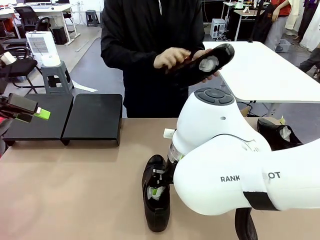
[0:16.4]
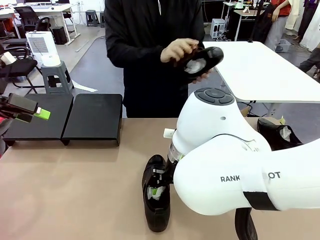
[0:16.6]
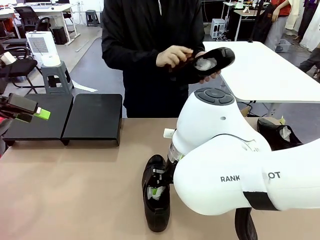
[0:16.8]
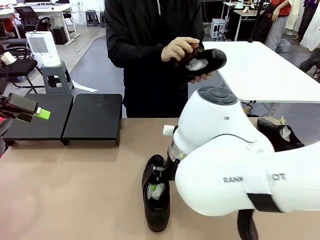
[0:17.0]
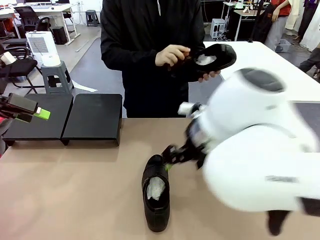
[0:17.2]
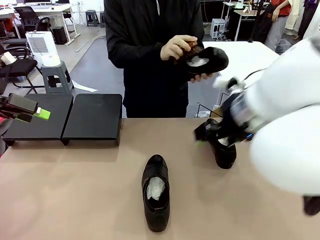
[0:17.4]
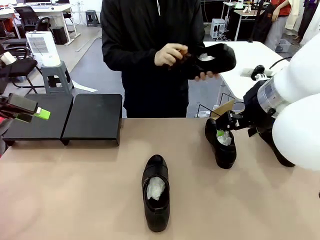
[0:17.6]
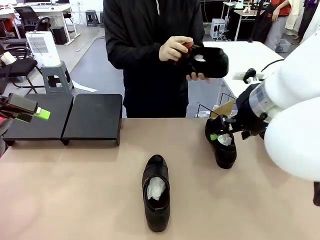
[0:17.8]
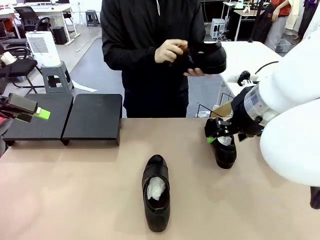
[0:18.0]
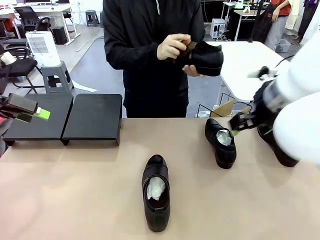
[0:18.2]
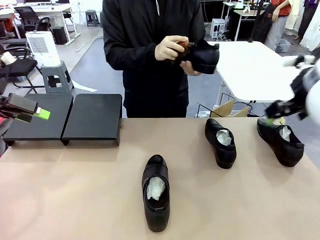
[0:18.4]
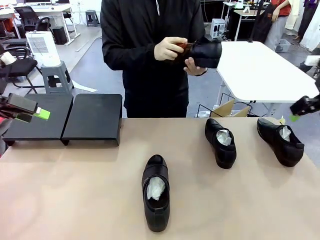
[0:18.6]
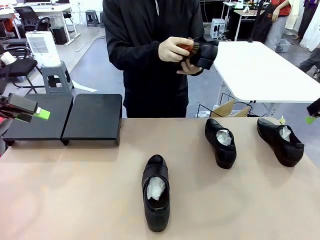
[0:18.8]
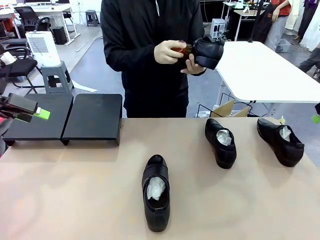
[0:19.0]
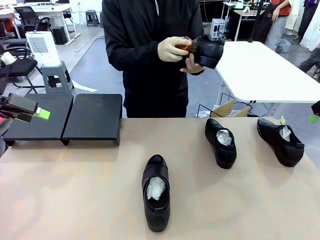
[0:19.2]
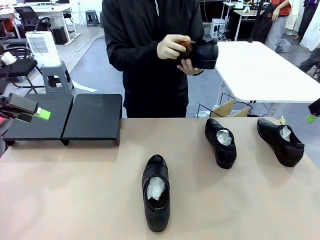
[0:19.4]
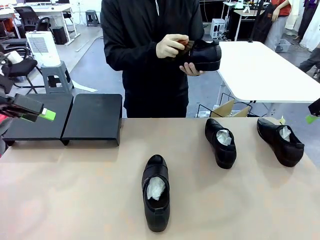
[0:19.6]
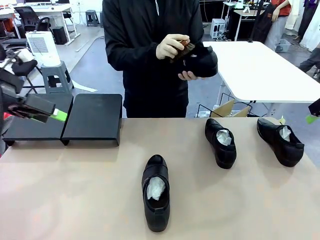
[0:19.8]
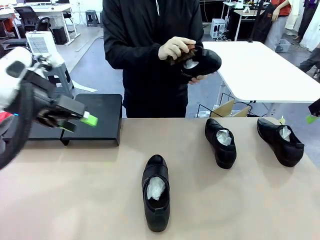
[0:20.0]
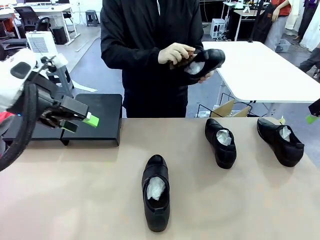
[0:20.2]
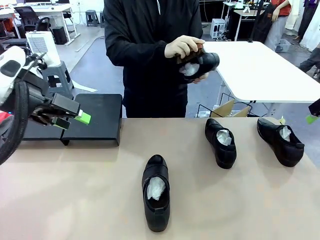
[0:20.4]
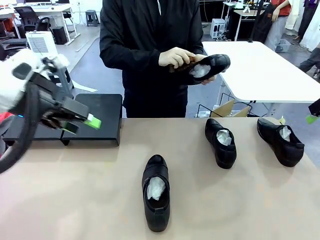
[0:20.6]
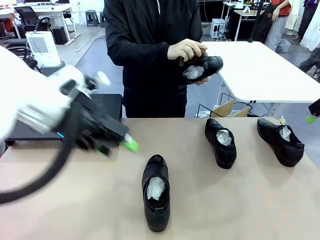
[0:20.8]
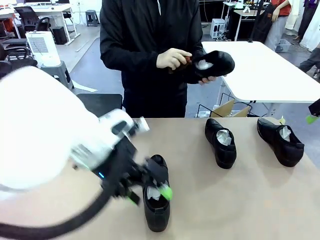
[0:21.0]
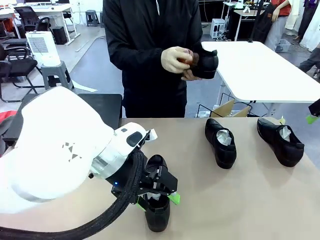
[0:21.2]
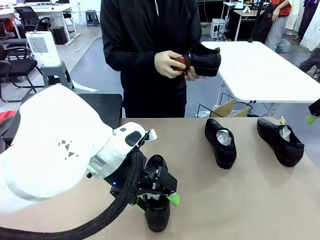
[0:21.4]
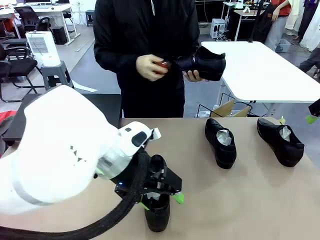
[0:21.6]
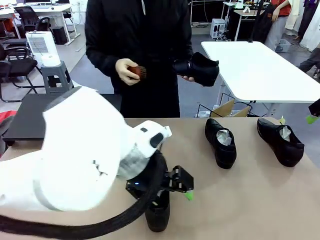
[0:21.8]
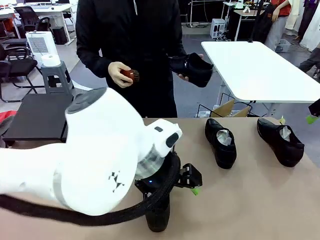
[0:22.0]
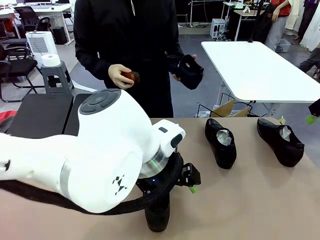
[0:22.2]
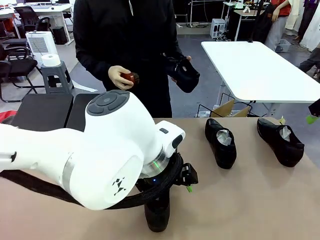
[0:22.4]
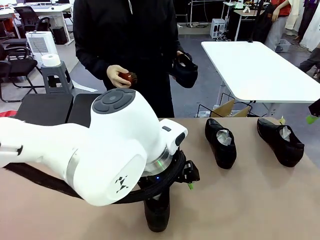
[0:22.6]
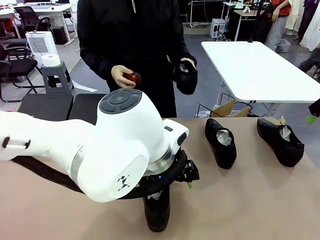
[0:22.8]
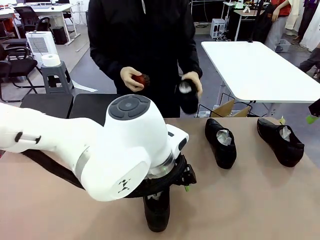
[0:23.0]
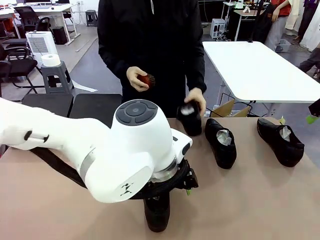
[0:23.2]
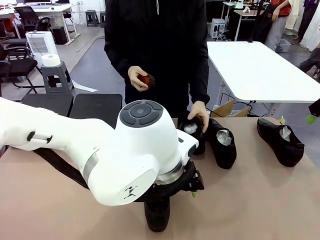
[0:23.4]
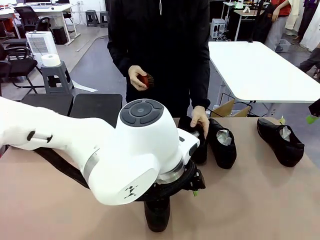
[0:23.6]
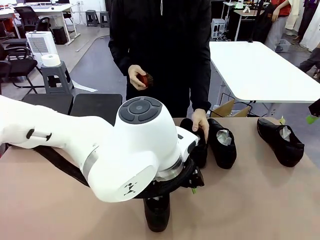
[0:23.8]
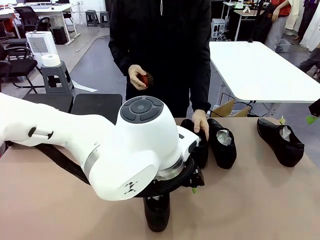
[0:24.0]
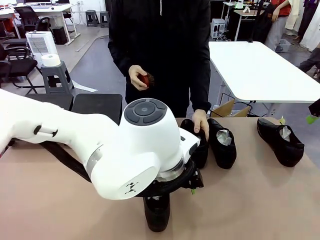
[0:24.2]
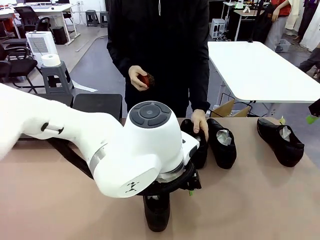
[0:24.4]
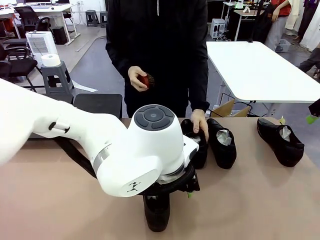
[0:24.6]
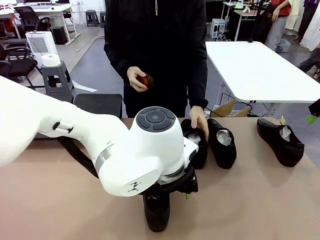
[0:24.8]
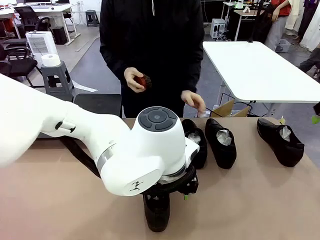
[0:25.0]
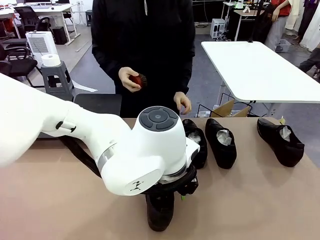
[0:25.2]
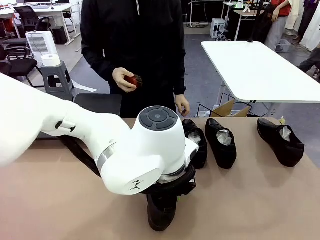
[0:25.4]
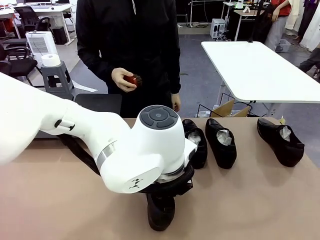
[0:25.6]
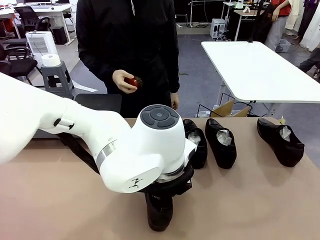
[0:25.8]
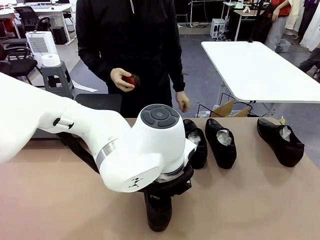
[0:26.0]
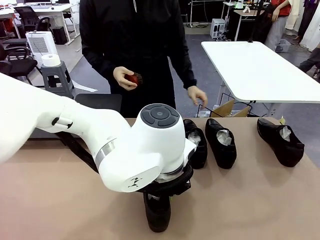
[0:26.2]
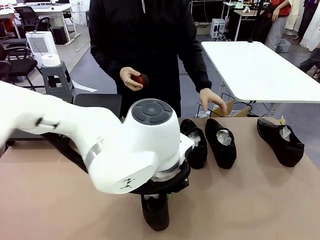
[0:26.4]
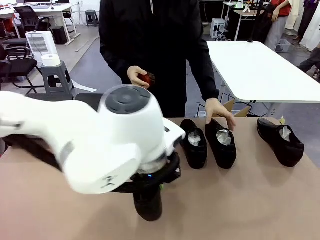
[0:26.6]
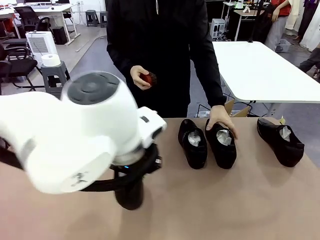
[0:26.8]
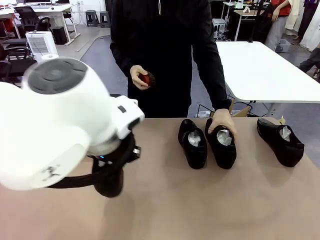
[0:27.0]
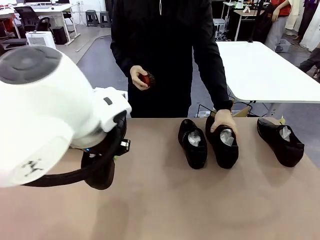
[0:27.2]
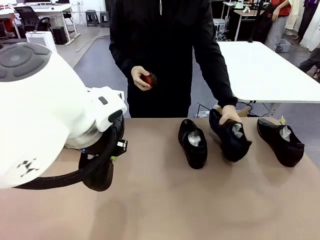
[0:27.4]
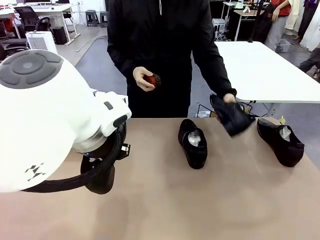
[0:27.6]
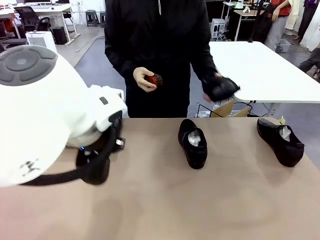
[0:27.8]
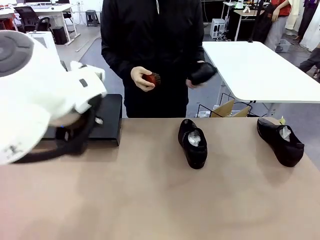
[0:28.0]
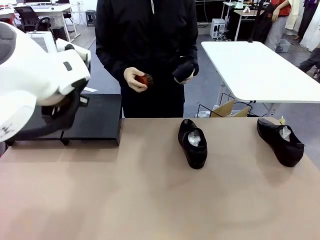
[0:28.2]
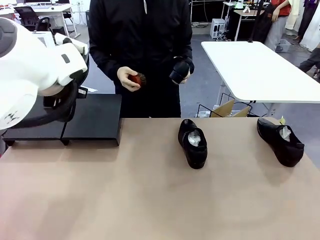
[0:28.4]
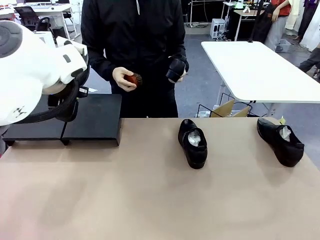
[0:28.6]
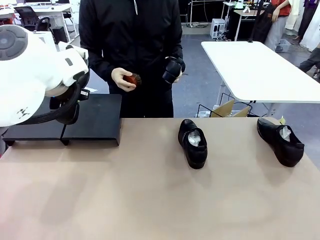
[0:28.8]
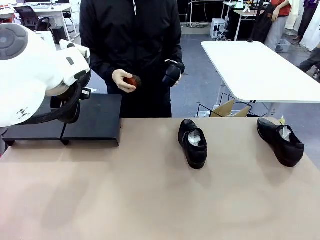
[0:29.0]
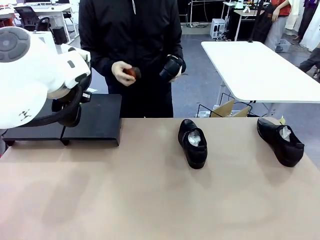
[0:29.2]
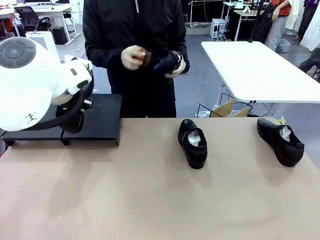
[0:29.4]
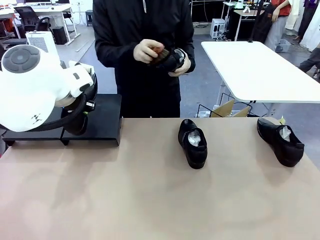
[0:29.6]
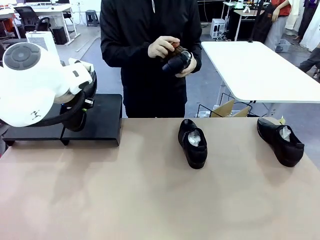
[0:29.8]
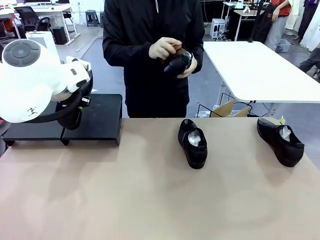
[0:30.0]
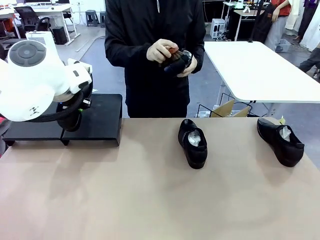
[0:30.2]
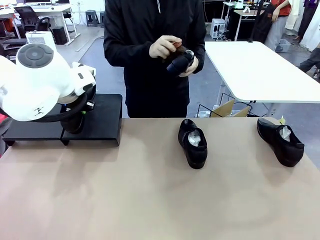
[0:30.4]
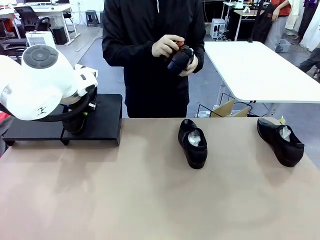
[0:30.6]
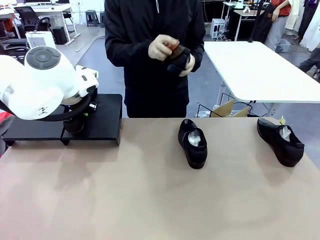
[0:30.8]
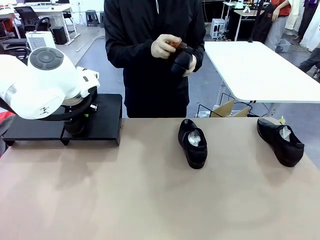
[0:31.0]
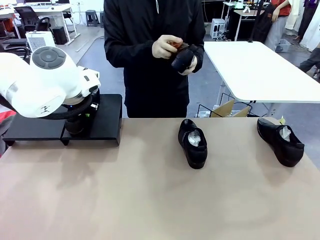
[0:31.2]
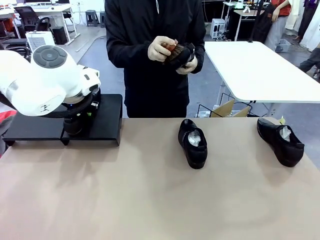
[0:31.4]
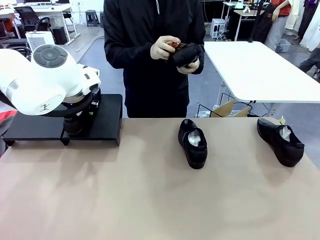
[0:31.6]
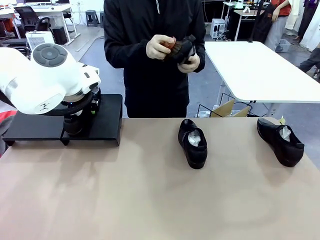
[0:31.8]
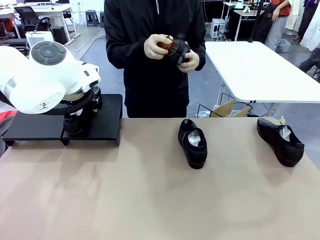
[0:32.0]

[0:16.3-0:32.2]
Task: Organize the shoes by placing them on the stand.
Robot: Place the Shoe from the middle of the table onto the Shoes Stand.
Person: Place the Shoe on left side of the Robot's table. Pick one Shoe on Robot's table.
